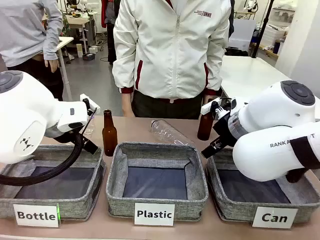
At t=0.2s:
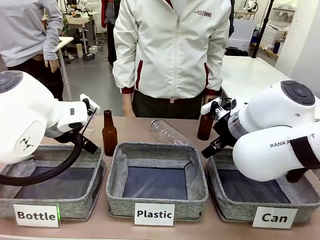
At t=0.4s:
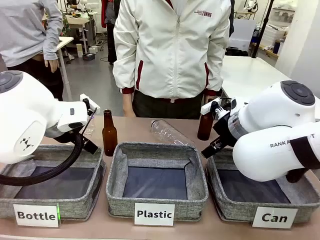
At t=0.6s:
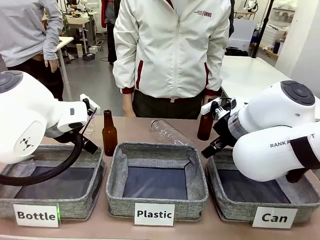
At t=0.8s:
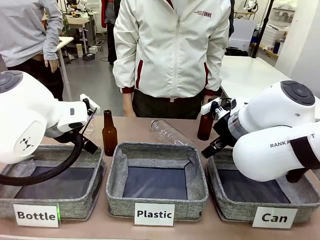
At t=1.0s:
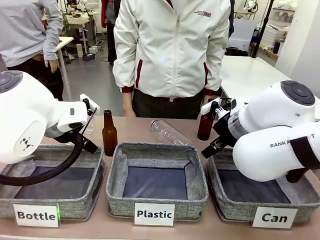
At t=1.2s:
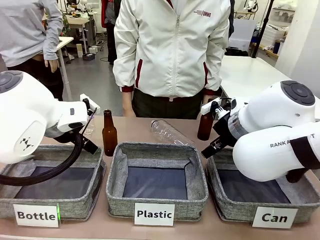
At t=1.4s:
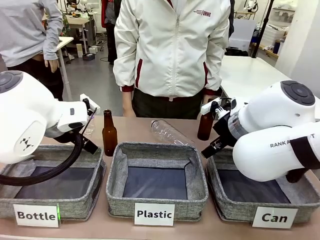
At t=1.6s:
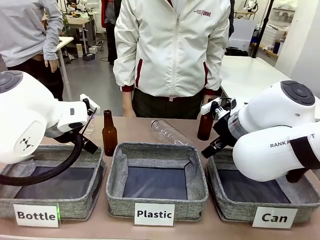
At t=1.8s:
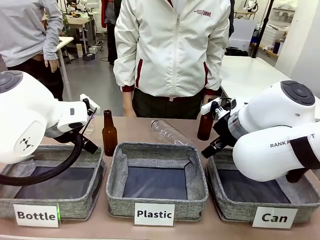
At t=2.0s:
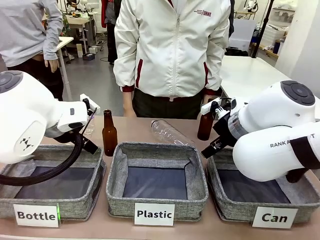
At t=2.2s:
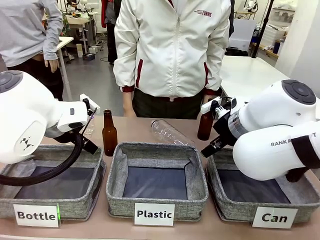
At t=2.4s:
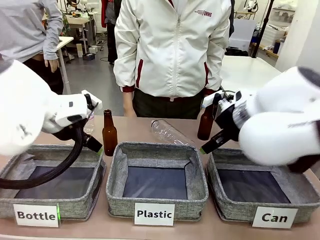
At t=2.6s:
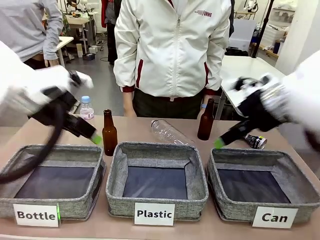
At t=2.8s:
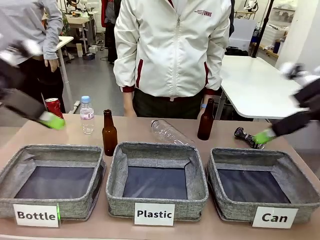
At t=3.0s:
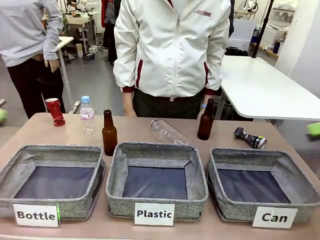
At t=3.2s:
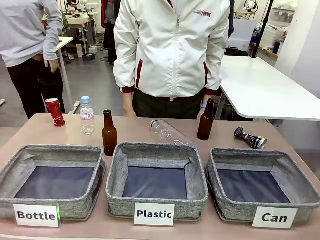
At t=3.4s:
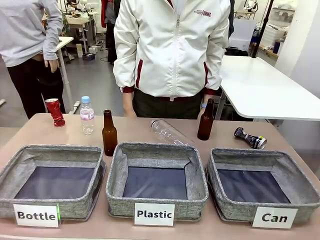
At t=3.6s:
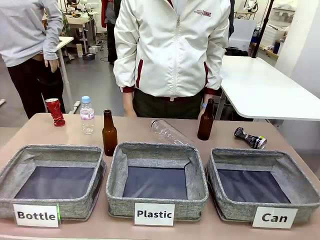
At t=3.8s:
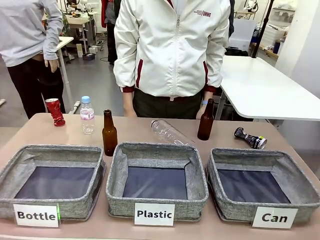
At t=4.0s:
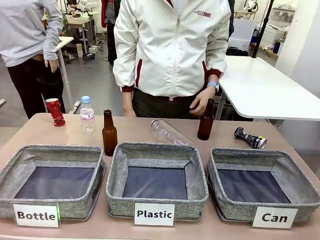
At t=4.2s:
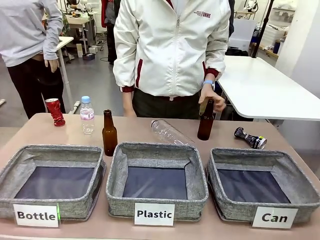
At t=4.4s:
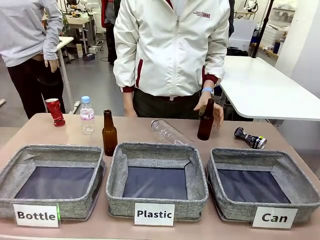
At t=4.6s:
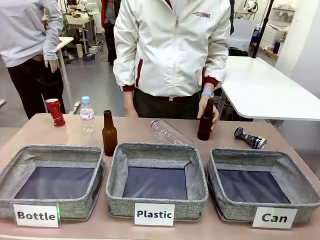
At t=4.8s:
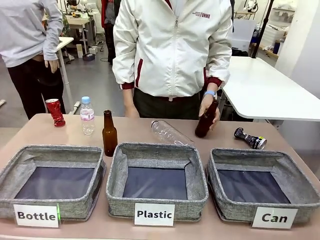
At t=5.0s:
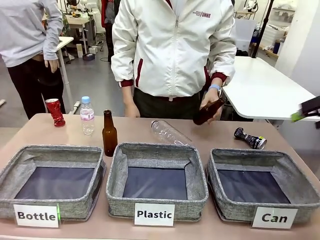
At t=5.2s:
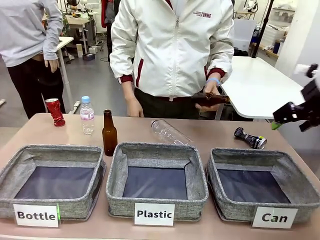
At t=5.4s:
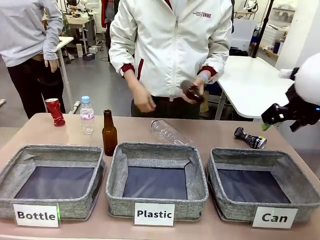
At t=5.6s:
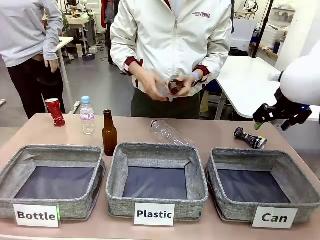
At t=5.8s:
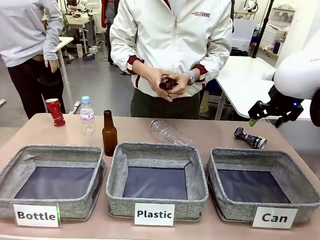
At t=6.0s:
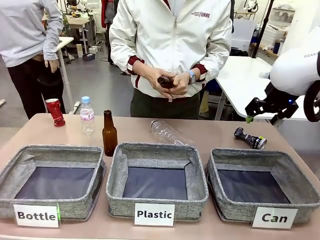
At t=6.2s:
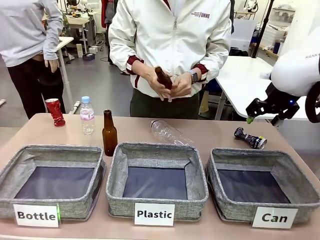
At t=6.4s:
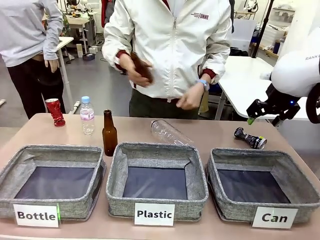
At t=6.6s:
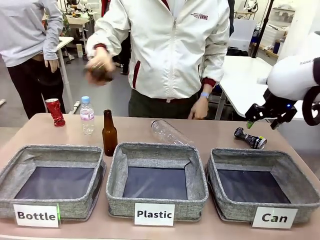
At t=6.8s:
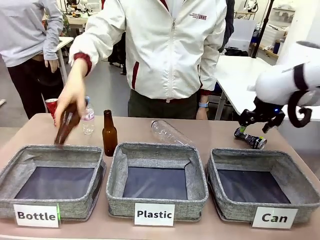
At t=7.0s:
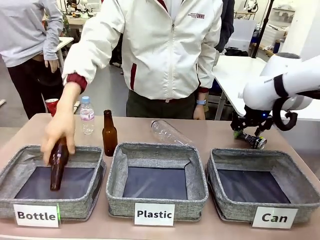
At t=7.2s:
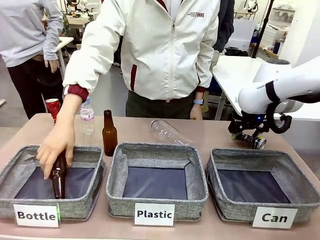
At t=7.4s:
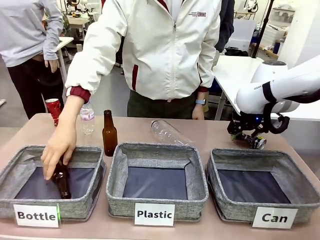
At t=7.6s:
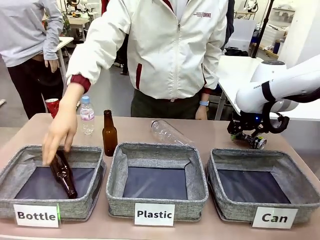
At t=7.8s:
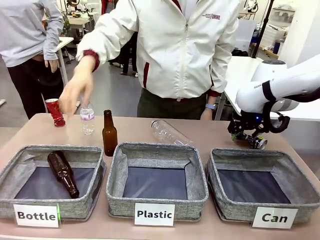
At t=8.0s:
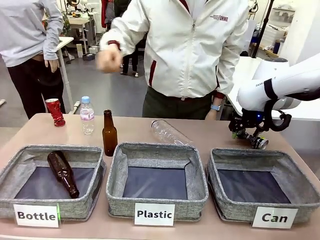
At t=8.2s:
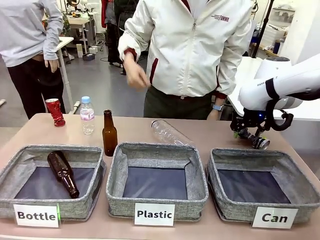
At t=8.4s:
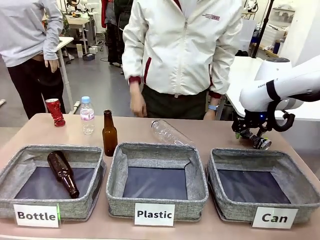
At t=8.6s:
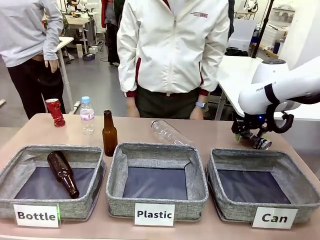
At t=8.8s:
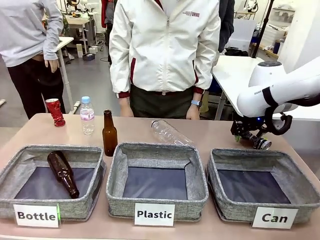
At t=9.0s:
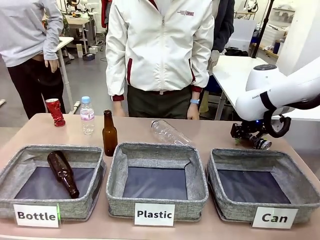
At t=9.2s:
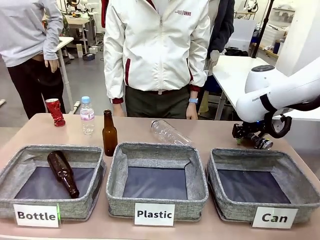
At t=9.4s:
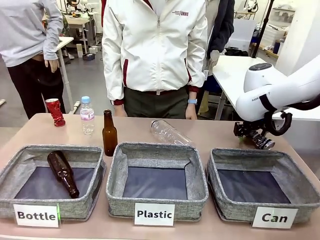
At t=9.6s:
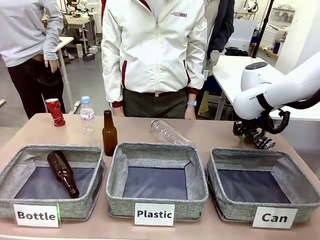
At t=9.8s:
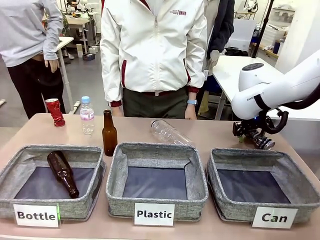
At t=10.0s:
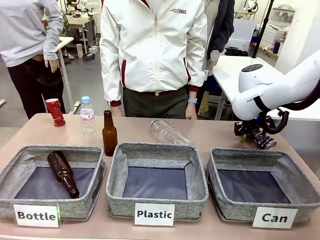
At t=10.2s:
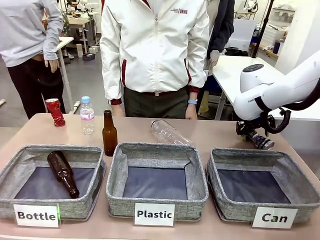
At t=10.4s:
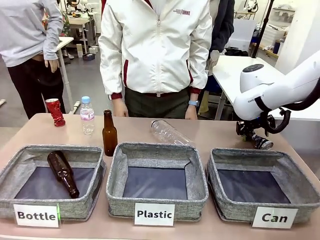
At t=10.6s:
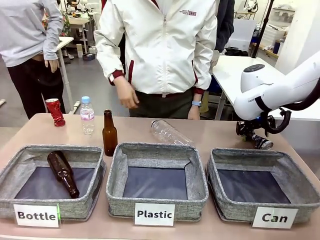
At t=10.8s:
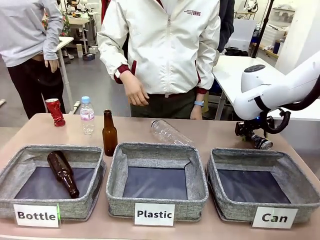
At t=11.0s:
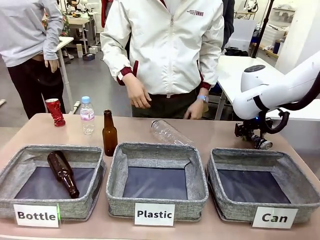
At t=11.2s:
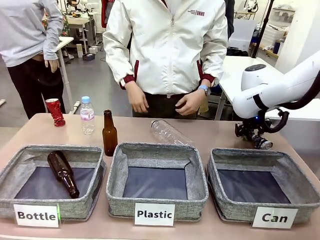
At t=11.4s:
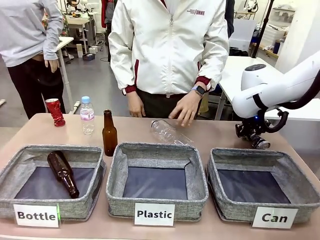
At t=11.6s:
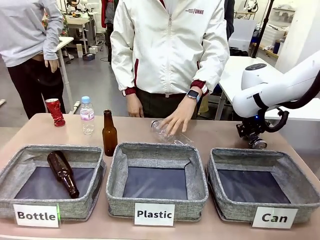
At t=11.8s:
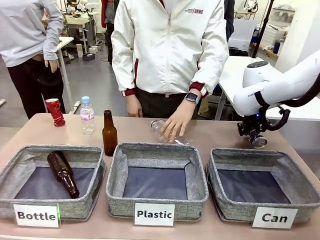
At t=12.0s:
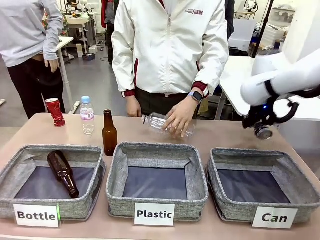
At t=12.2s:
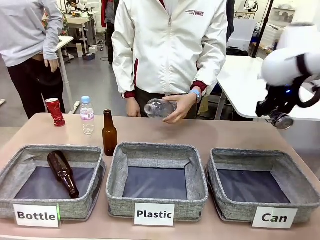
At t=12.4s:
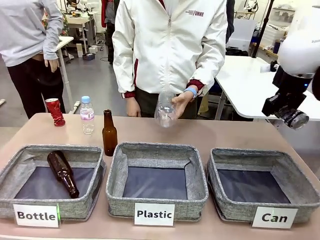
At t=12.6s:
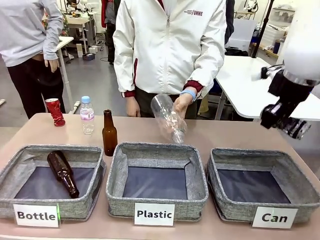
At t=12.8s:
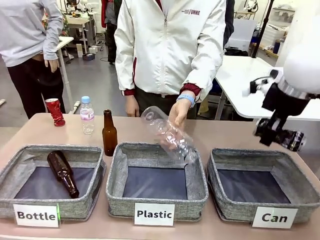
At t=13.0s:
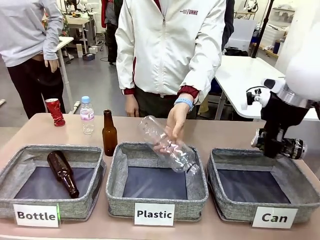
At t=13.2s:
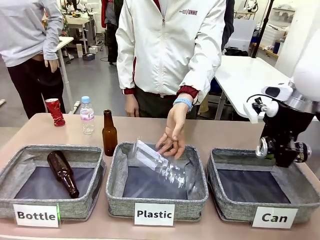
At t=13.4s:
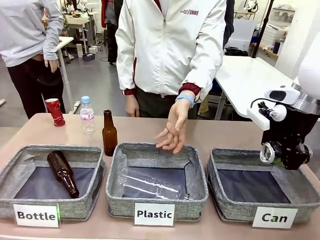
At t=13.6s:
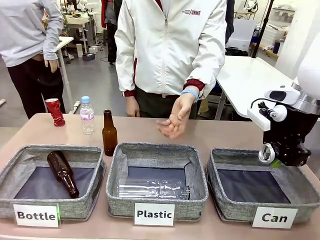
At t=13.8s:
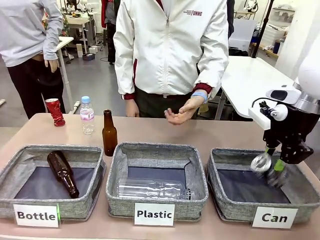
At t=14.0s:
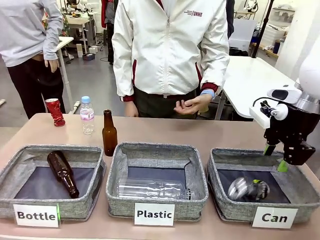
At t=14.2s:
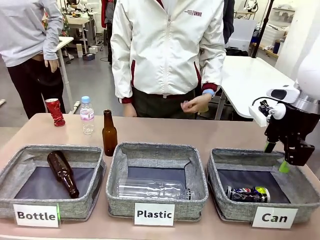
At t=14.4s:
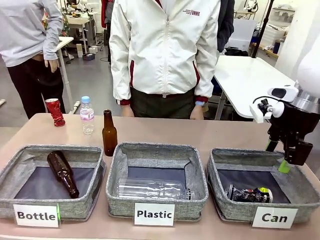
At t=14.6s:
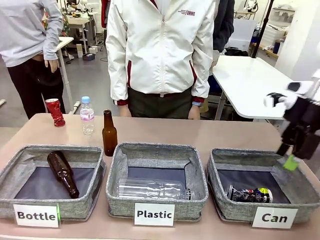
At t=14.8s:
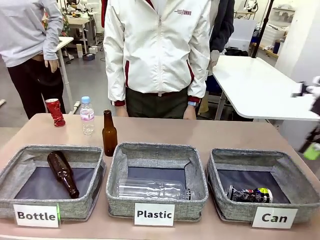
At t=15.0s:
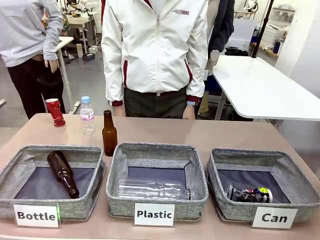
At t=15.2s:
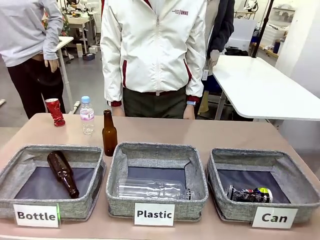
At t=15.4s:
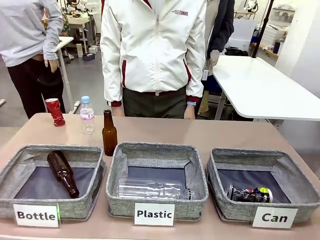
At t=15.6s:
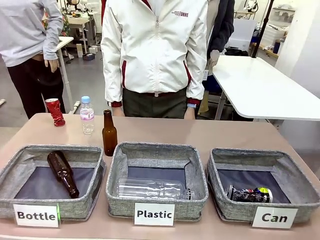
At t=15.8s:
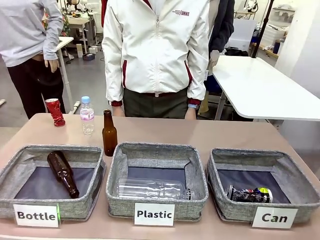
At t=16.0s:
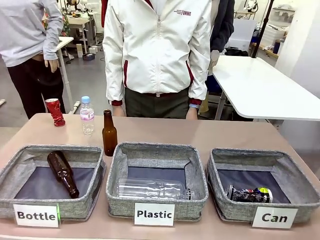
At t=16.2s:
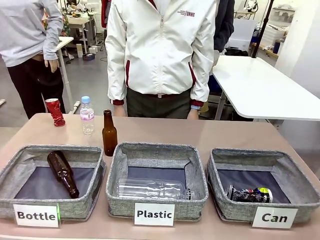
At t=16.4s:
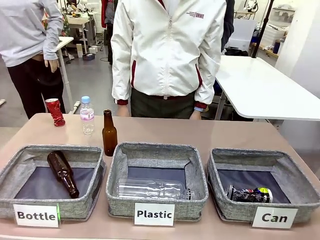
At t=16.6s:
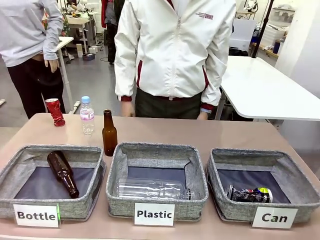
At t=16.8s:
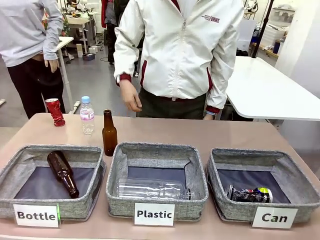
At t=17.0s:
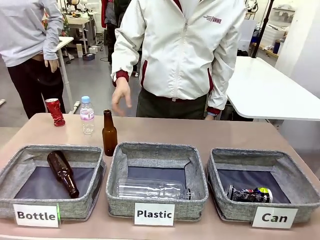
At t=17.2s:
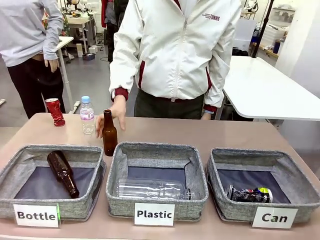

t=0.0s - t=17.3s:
Task: Sort the can waste into the basket.
Robot: Pick up the can waste from the table and place it in the right Fabric basket.
